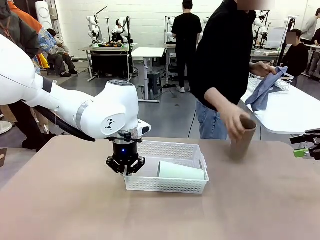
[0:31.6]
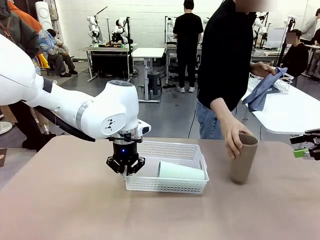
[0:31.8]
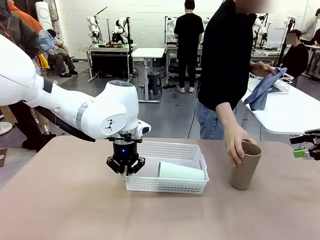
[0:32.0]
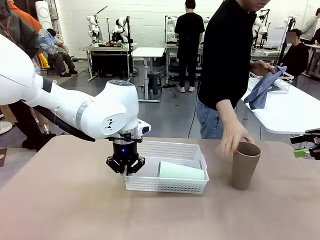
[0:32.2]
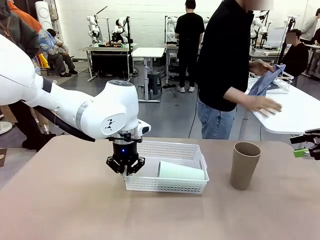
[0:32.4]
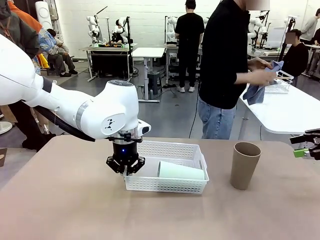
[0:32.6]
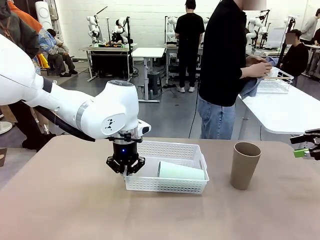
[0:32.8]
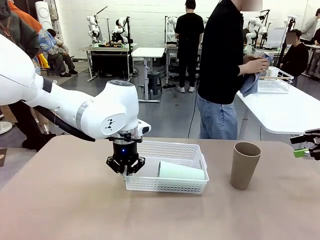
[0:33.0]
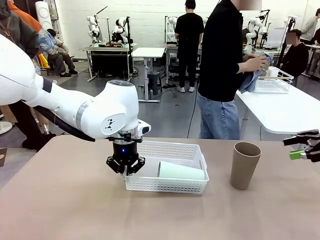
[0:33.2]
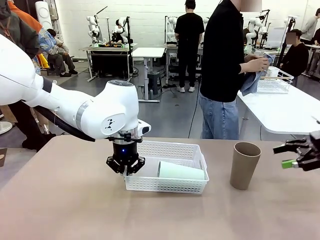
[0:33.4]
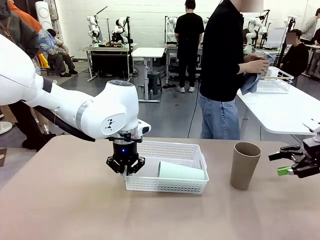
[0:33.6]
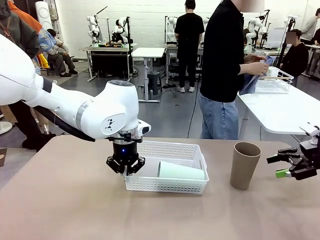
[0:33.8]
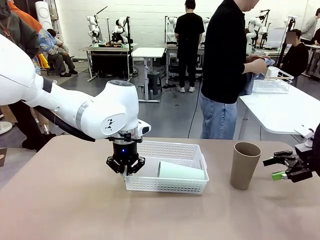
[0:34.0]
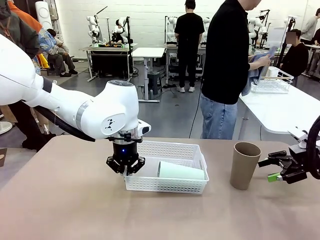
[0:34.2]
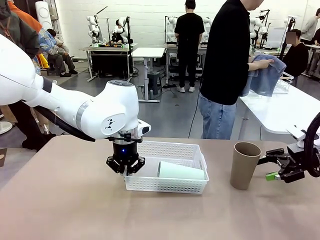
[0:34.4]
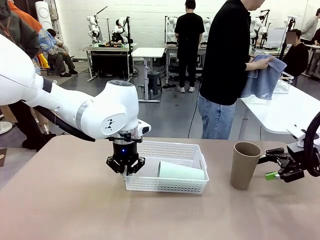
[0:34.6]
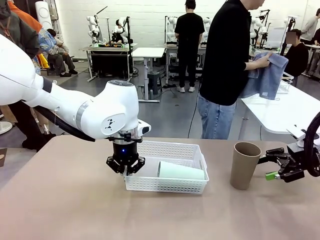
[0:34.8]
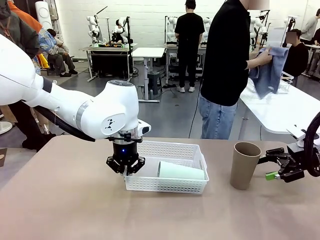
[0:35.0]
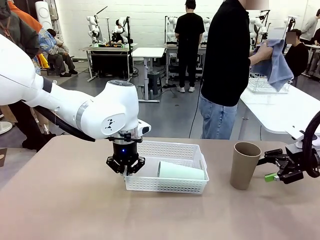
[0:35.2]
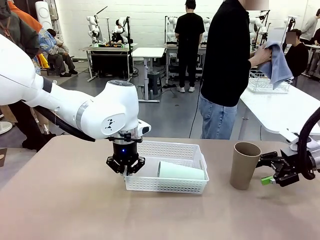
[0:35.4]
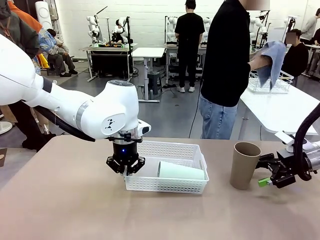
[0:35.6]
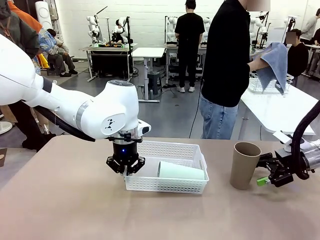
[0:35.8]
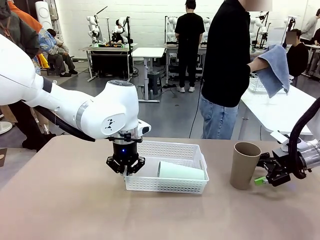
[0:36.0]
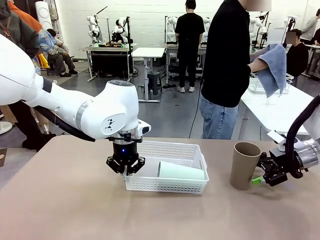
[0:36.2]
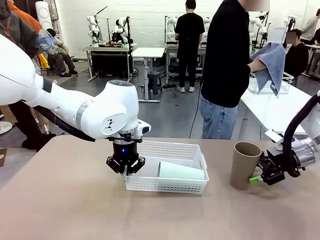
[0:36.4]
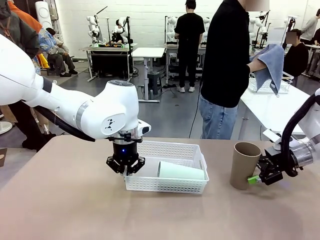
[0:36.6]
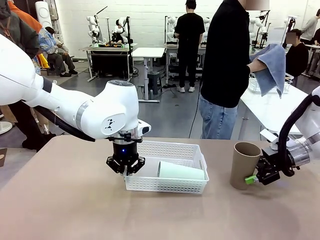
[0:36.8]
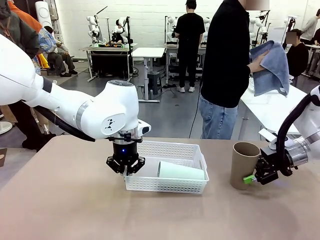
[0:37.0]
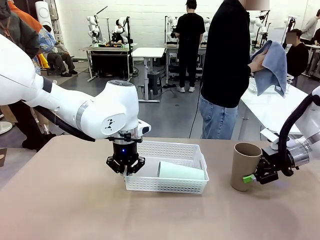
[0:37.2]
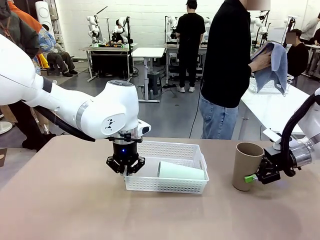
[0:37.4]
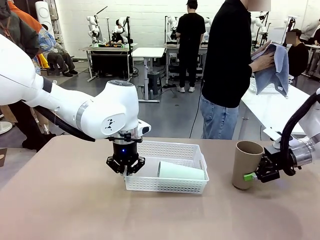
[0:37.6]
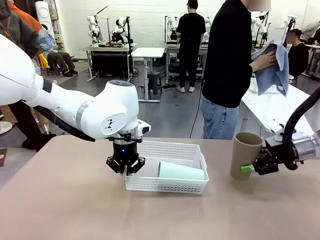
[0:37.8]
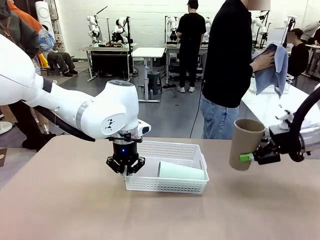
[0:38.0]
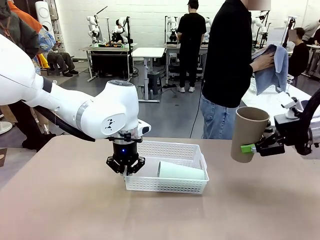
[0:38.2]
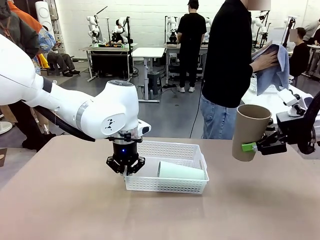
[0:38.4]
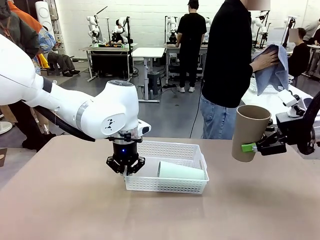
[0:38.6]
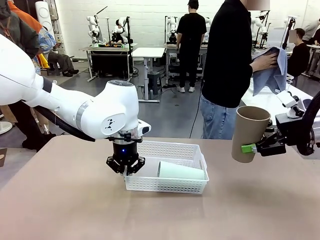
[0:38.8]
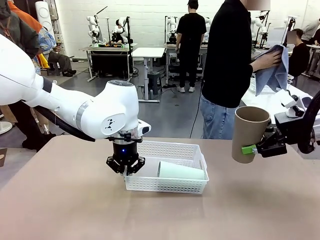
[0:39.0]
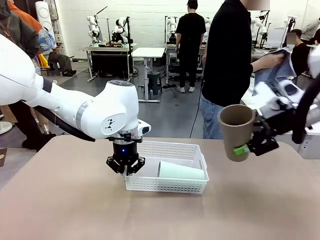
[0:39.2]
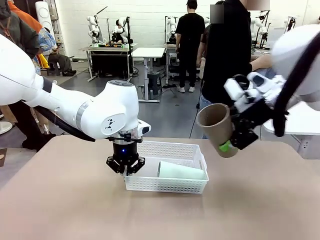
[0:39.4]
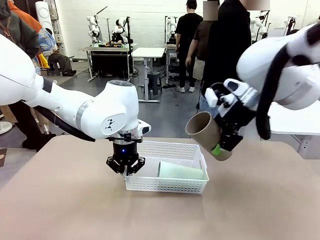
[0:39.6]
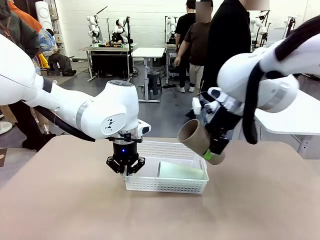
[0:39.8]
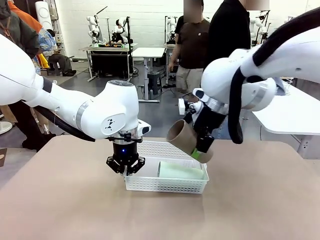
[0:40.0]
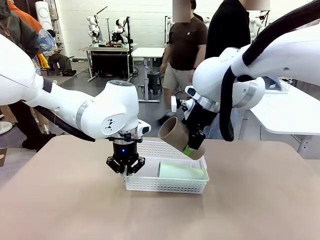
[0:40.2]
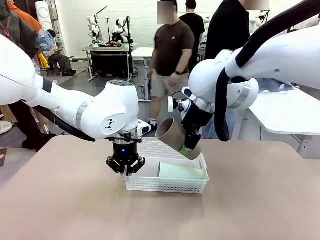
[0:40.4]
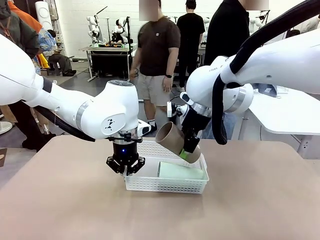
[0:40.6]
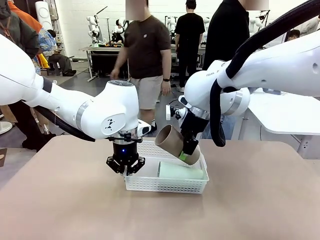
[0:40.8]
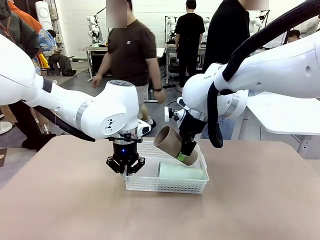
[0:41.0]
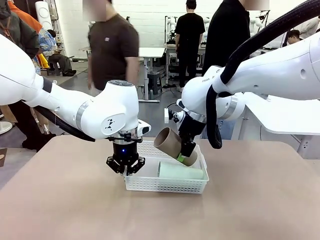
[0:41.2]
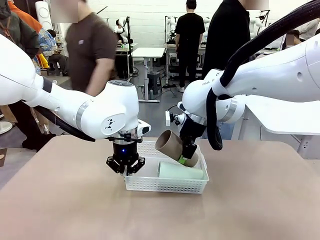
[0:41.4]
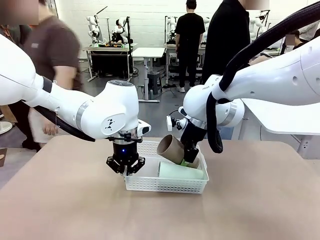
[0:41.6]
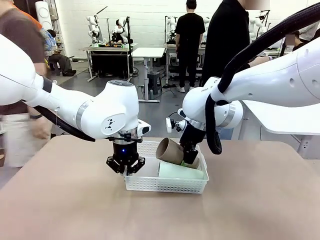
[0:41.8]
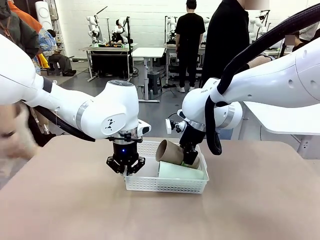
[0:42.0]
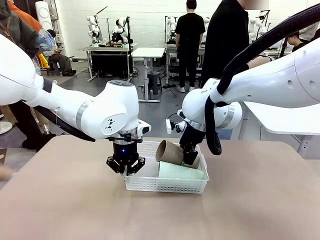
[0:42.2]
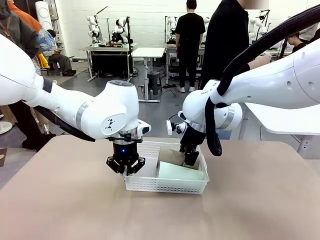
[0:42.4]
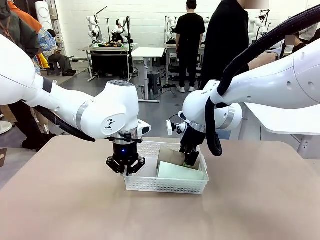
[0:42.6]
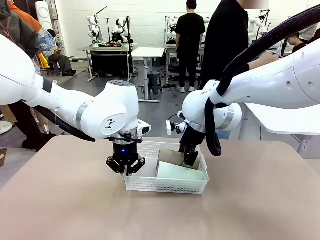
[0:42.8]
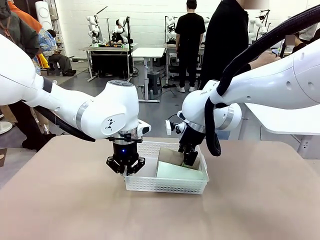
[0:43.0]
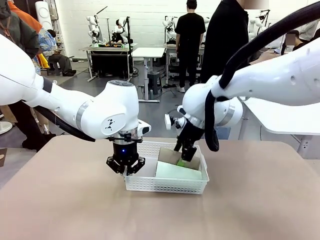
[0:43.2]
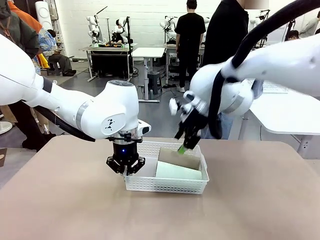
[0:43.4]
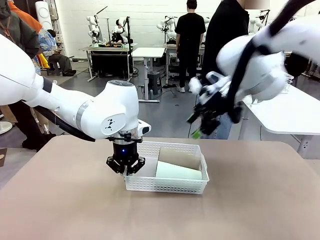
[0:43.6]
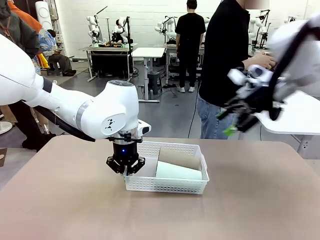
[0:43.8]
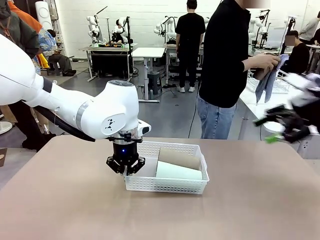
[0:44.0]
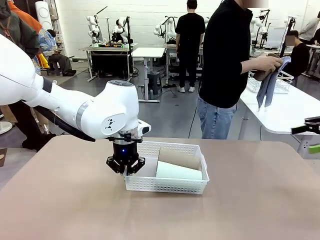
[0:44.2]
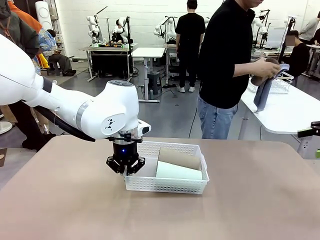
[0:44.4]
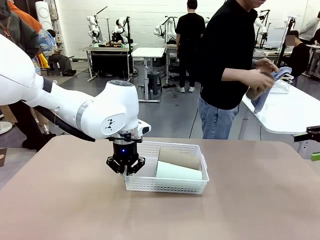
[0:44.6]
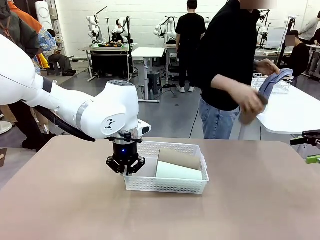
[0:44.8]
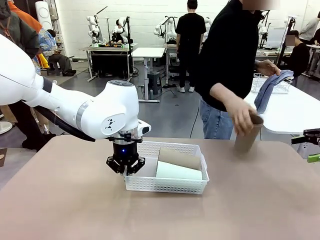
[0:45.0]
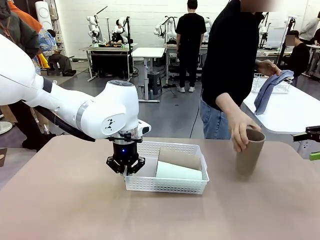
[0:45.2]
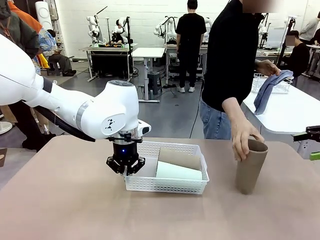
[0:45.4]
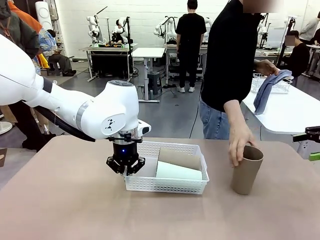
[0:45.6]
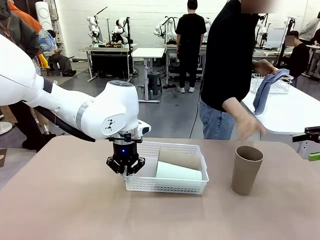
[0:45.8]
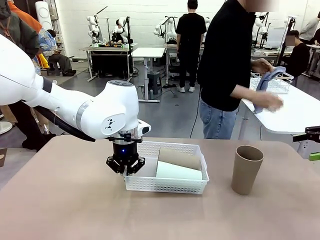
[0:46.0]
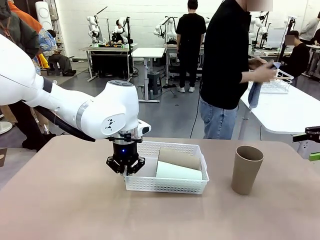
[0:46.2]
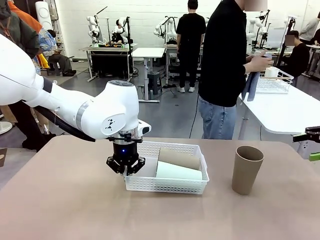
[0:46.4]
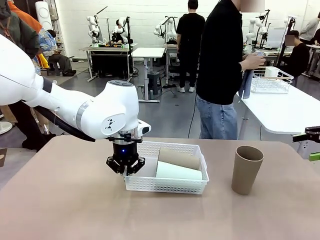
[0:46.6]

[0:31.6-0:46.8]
Task: Clean and organize the cups into the basket.
Robot: Pick up the Reusable plastic cup from the right side of the table and stack it inside the Organizing basket in the center of the table.
